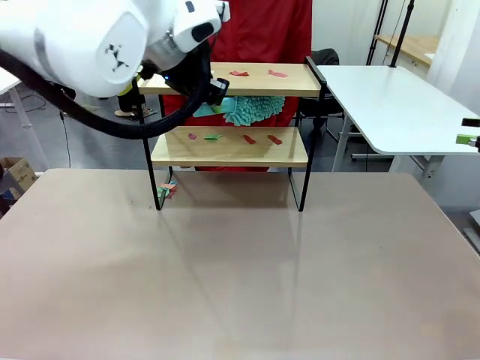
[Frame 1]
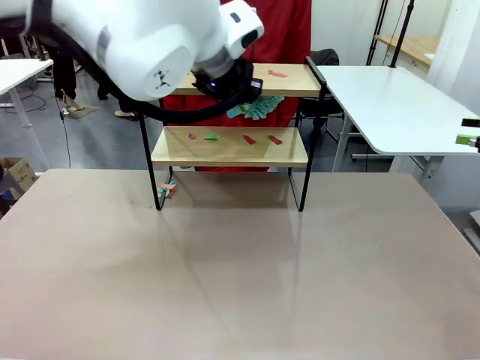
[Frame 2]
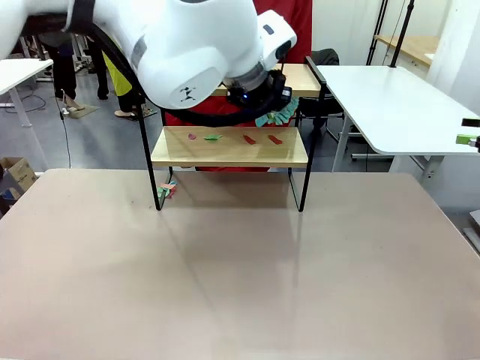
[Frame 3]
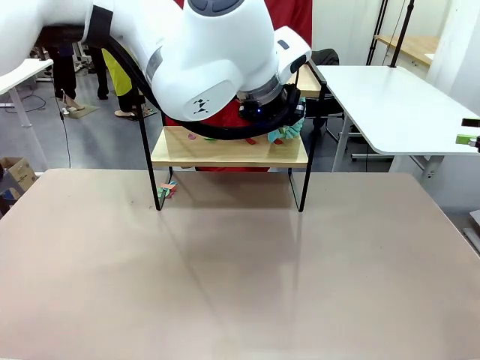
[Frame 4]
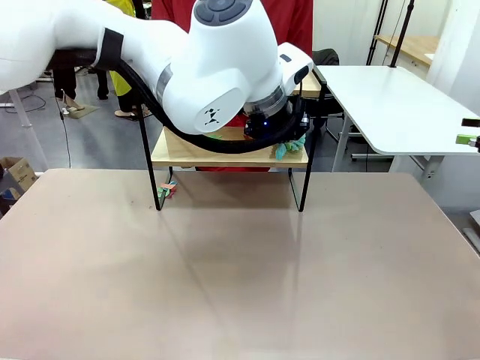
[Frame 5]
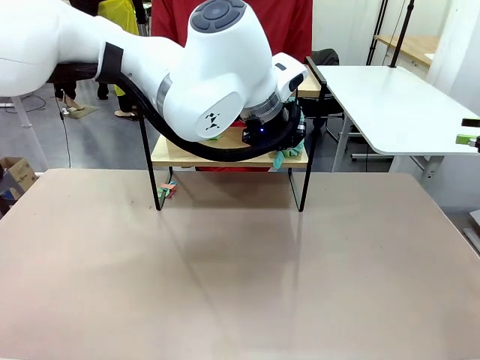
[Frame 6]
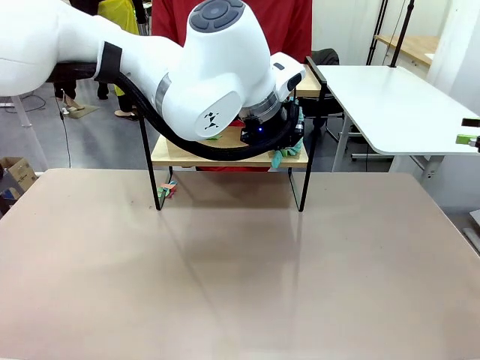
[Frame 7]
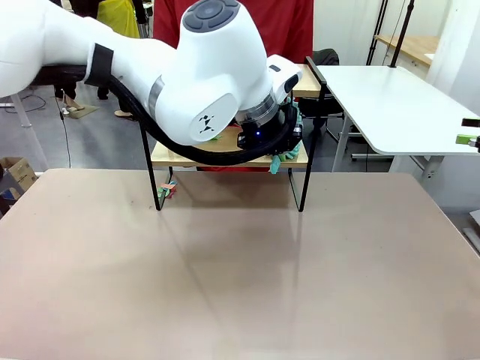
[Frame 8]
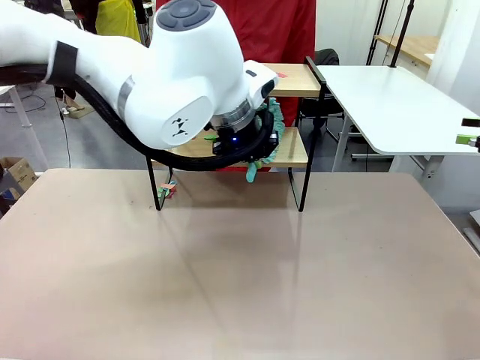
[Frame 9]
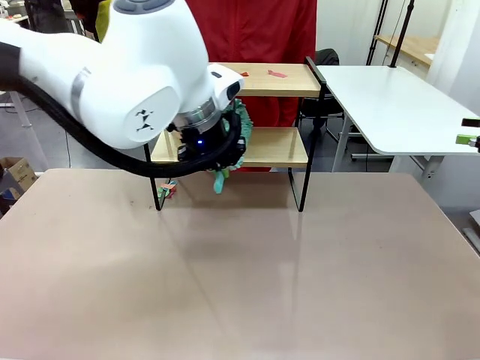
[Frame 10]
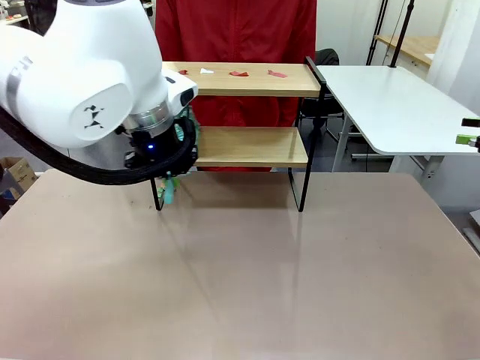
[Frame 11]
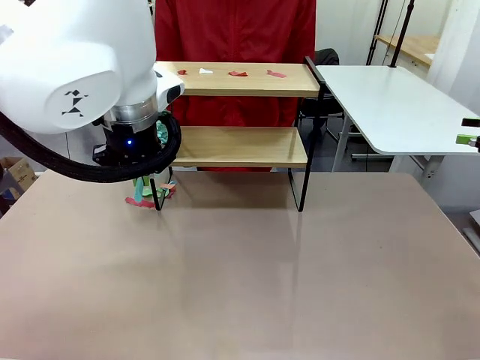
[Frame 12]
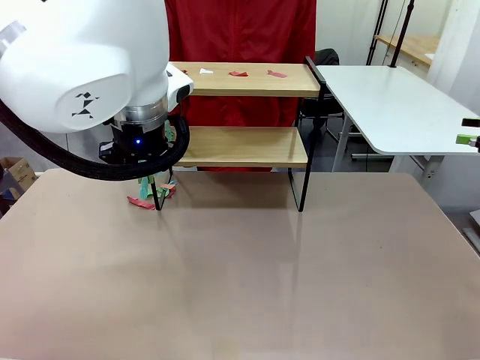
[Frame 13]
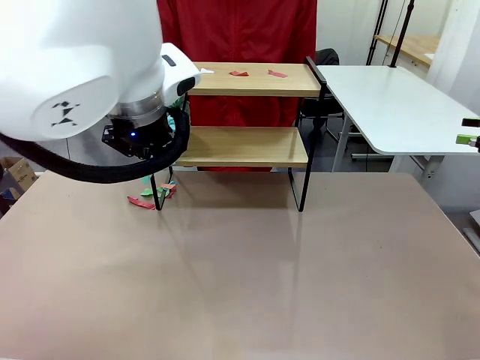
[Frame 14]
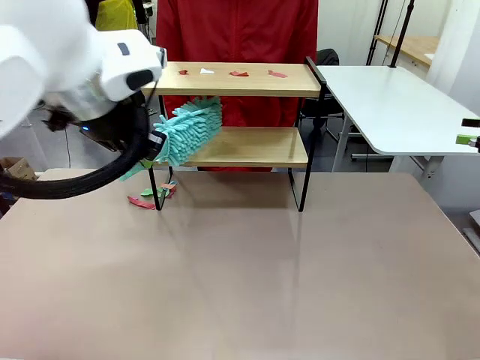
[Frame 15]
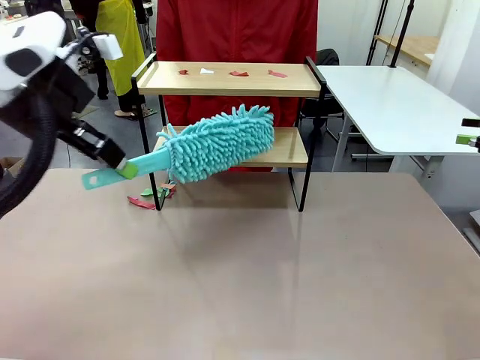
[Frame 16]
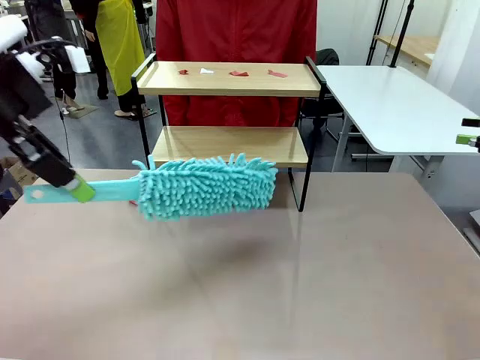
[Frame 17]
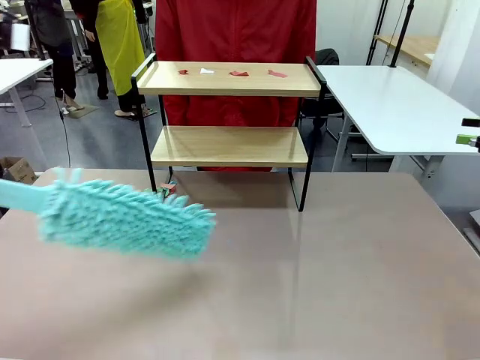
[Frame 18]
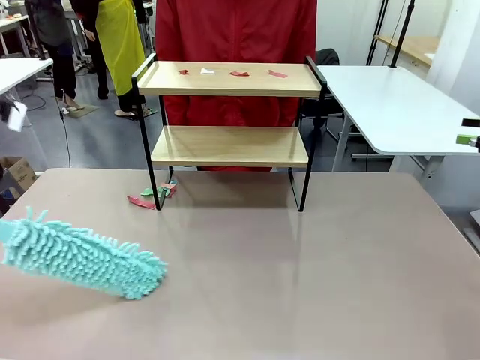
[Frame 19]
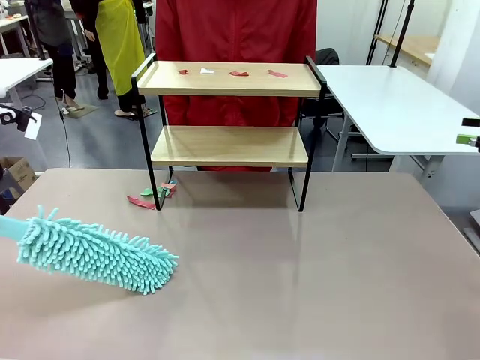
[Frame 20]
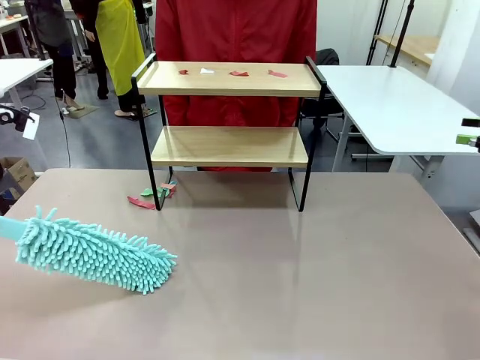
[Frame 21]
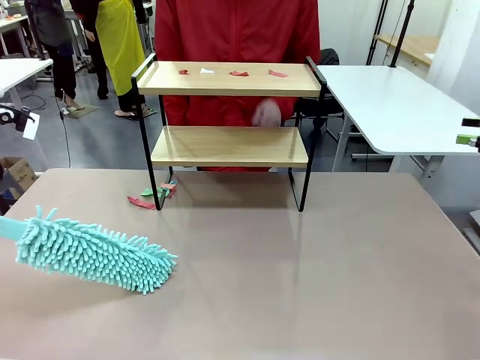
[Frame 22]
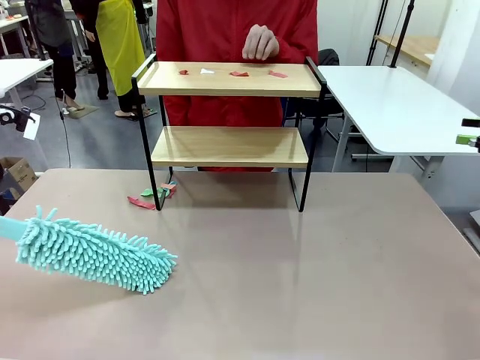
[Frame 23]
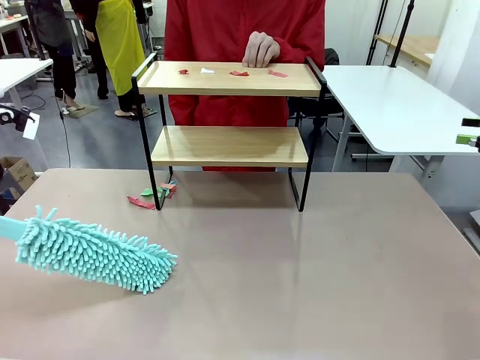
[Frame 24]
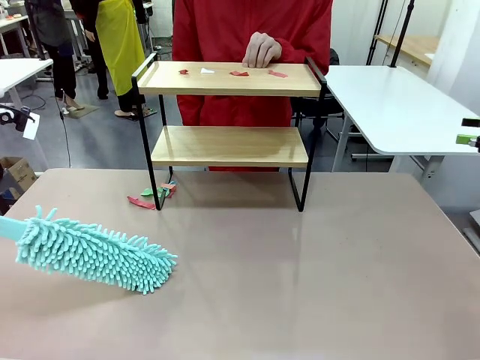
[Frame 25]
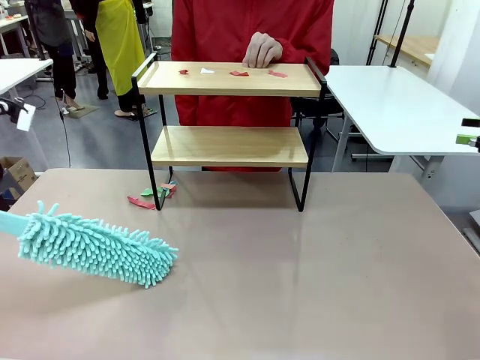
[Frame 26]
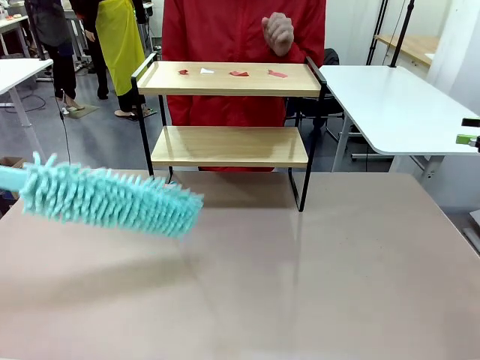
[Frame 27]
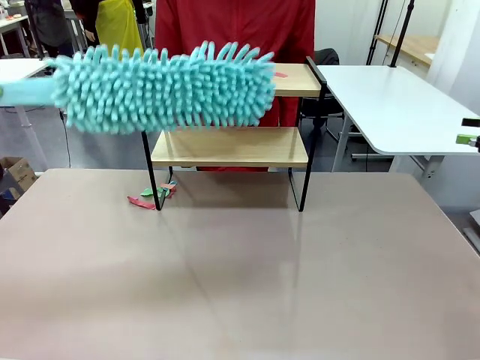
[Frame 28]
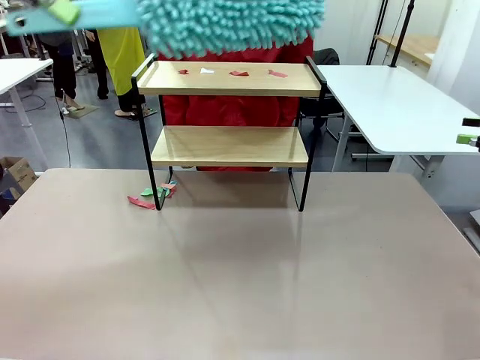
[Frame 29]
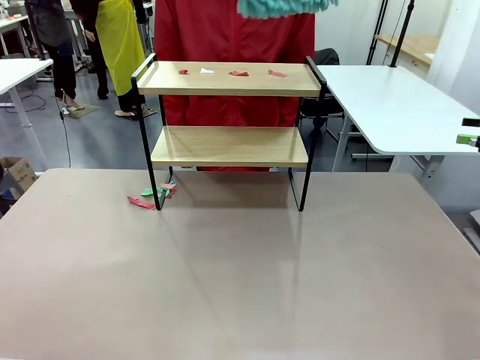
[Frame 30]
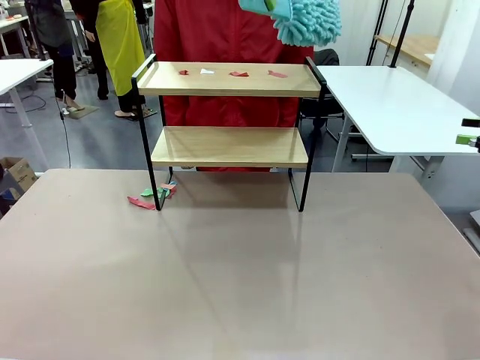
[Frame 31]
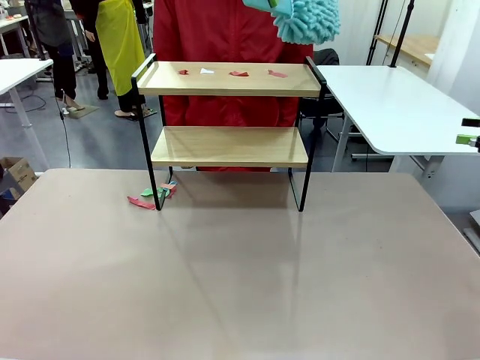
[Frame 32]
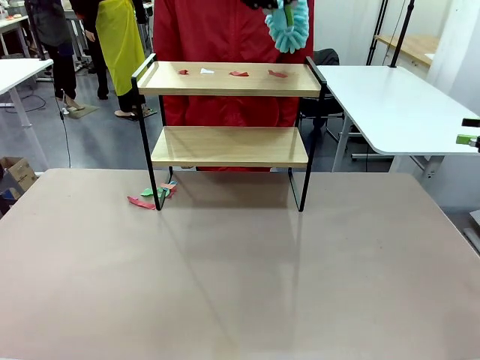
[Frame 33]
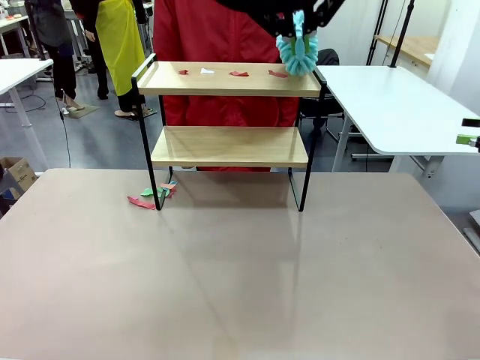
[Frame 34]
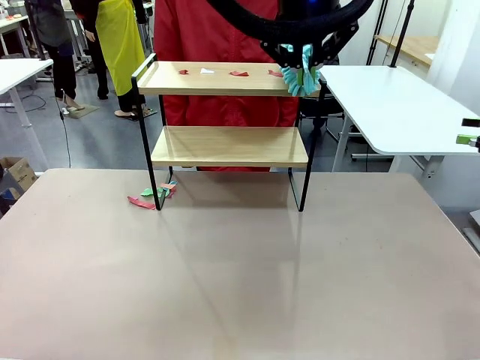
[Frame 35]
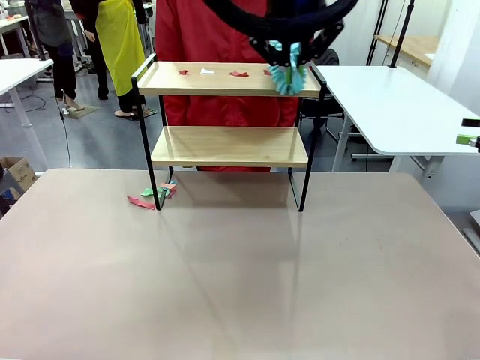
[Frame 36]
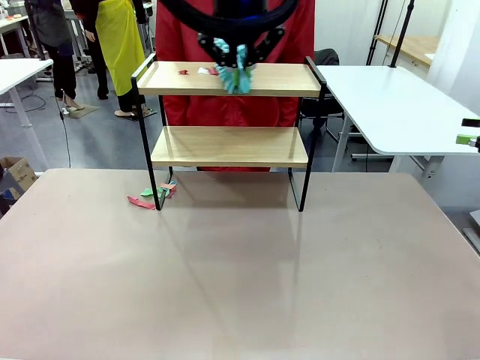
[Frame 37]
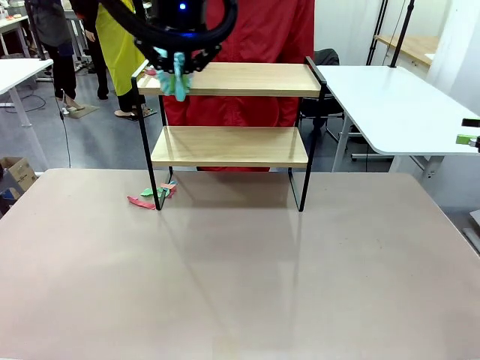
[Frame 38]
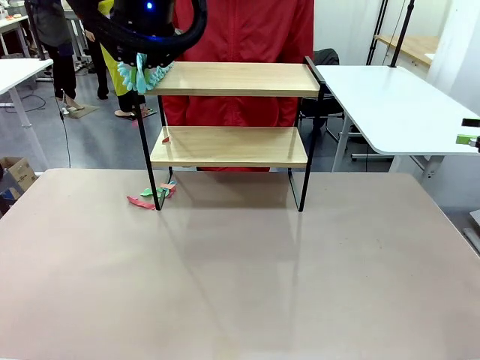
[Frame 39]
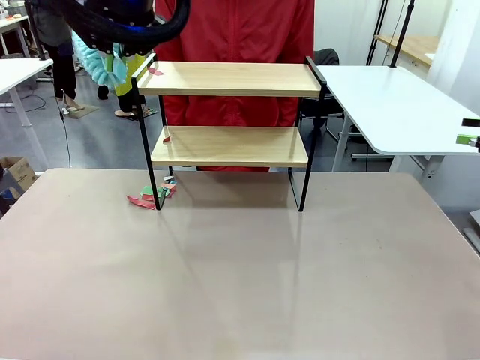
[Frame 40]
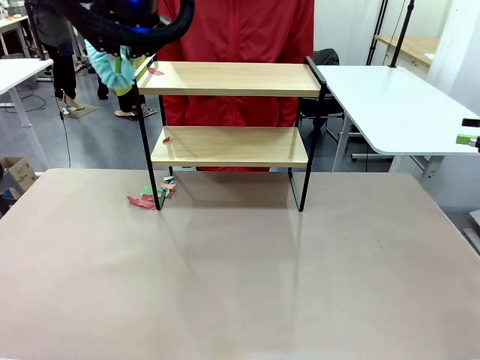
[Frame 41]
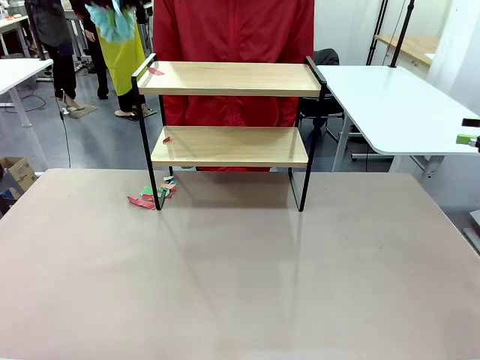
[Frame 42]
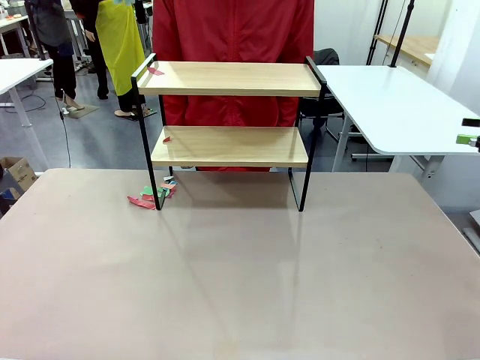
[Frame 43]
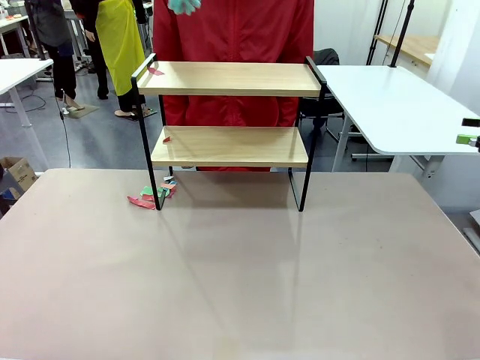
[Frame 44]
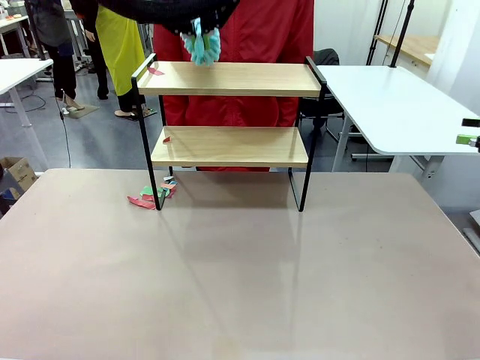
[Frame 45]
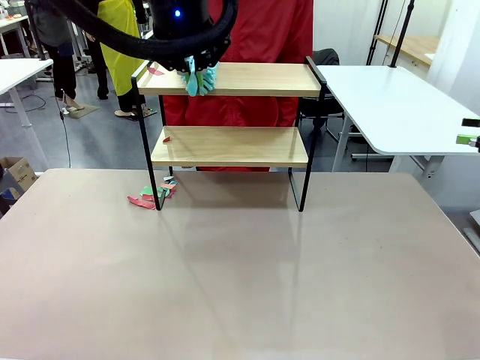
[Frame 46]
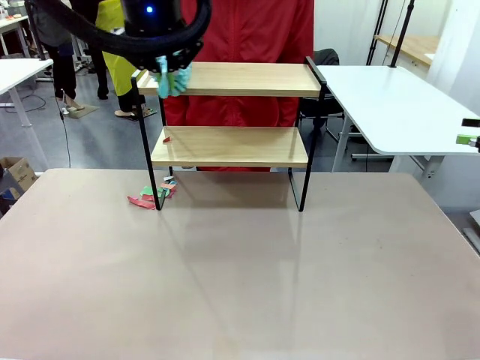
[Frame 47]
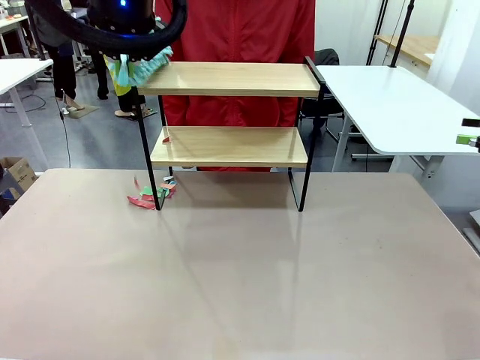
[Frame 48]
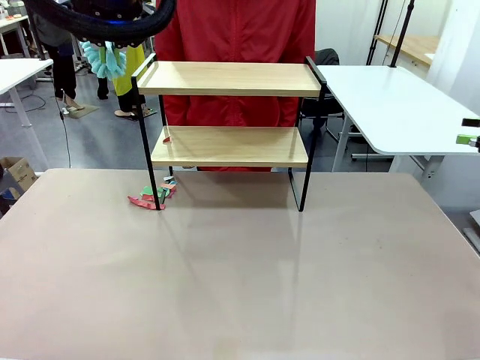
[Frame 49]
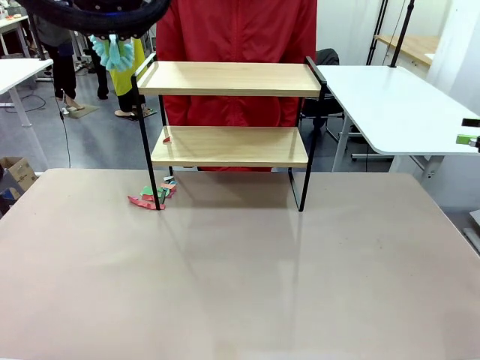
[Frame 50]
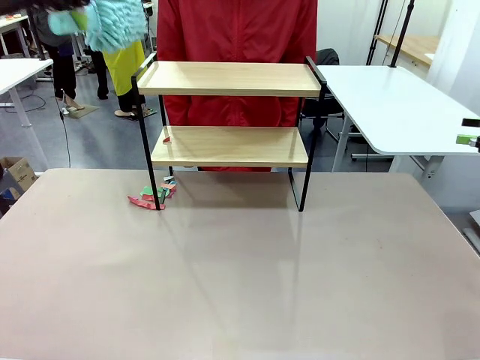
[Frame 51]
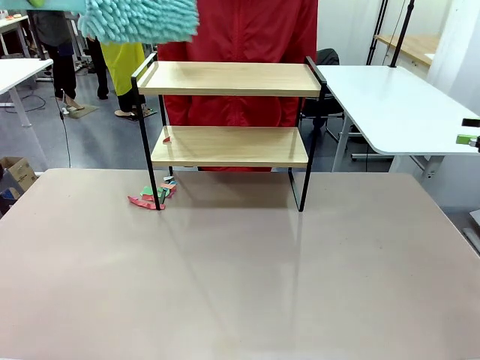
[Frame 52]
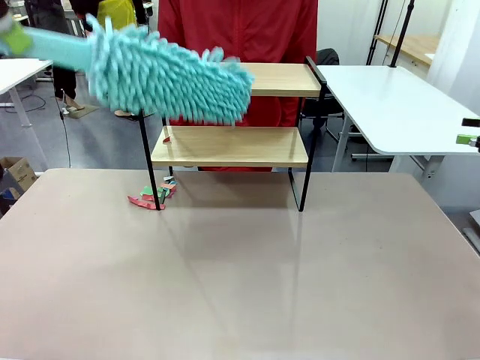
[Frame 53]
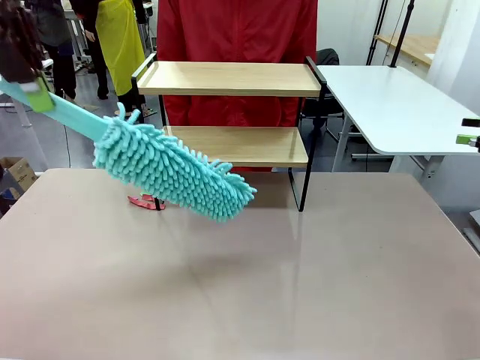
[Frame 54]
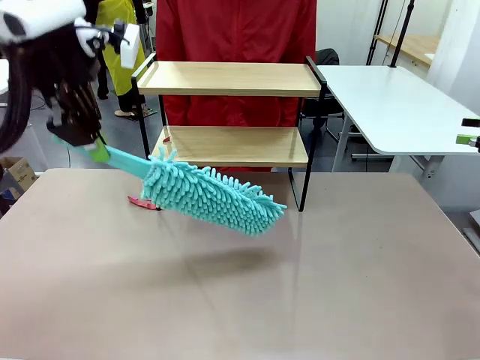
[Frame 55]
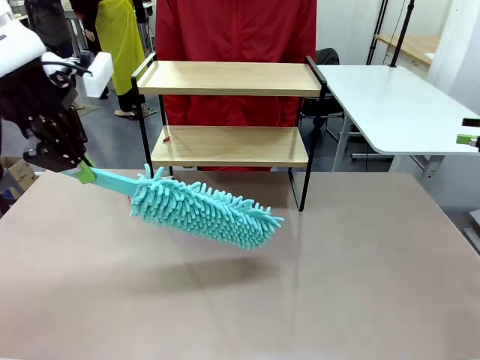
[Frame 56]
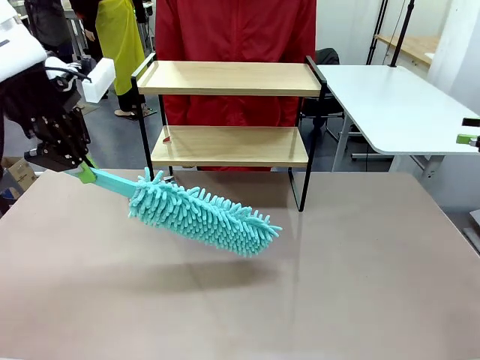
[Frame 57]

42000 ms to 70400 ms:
Task: Clean the shelf.
Robot: Clean the specific section of the Shelf indicated by the human with the Duster.
Person: Point a remaining section of the Shelf.
